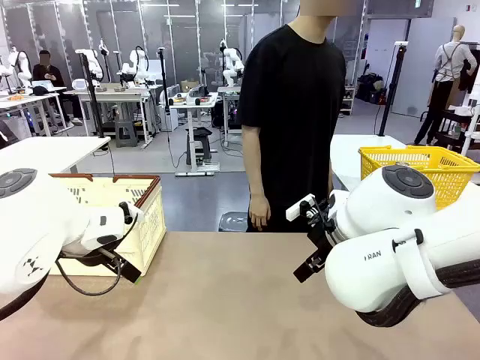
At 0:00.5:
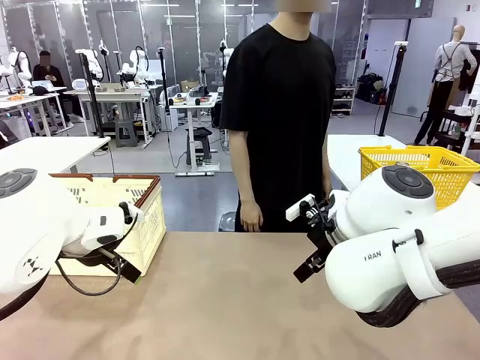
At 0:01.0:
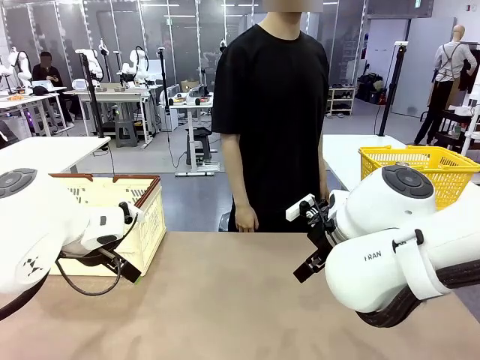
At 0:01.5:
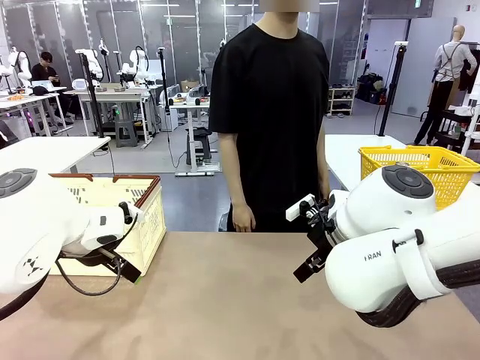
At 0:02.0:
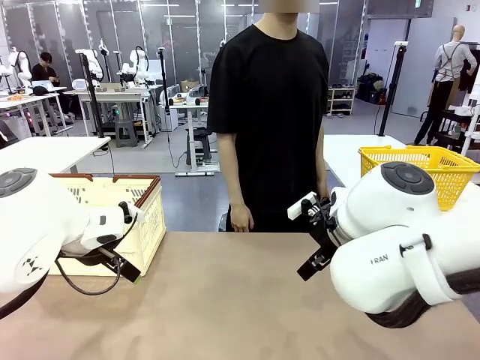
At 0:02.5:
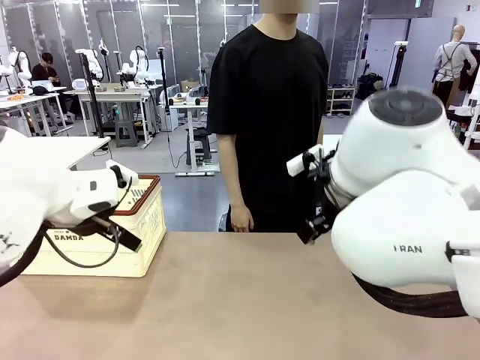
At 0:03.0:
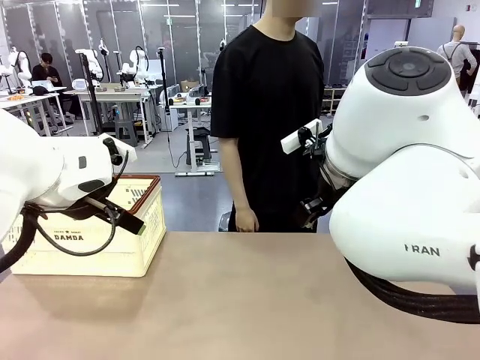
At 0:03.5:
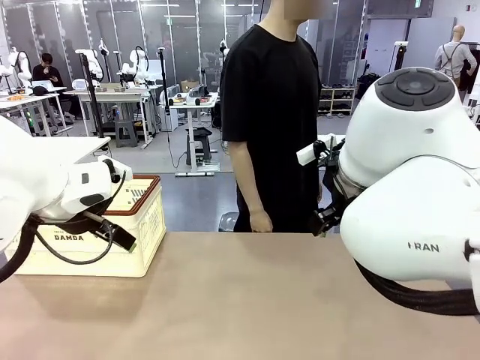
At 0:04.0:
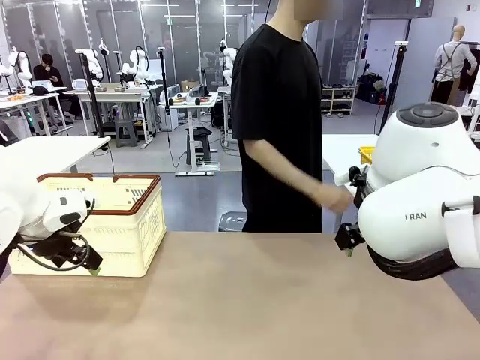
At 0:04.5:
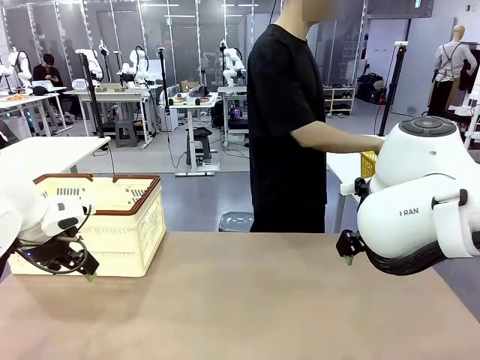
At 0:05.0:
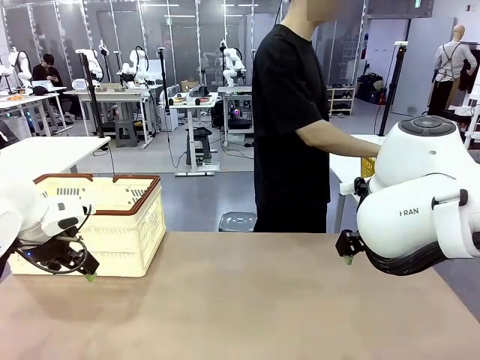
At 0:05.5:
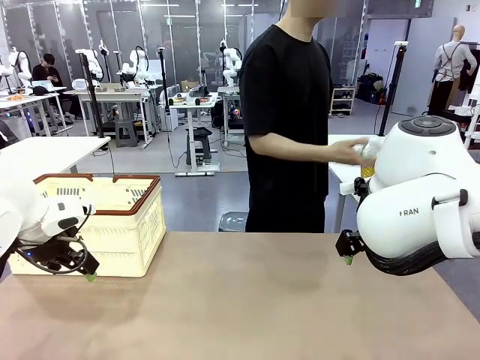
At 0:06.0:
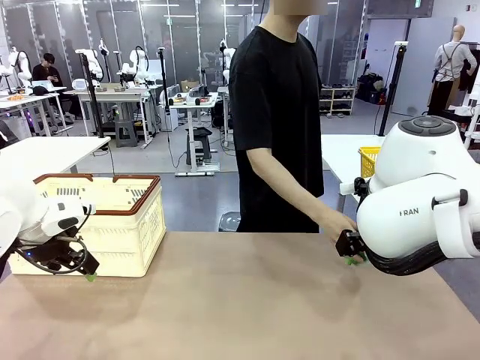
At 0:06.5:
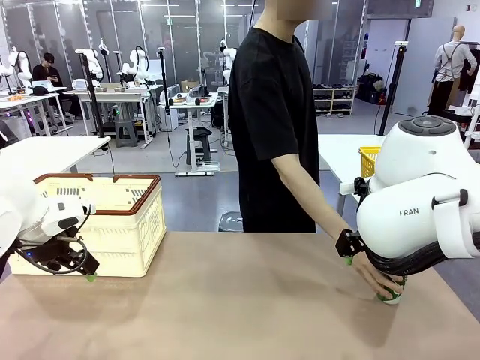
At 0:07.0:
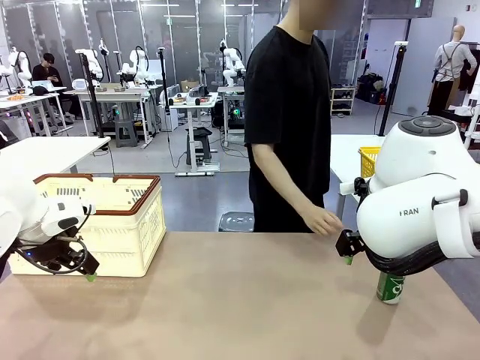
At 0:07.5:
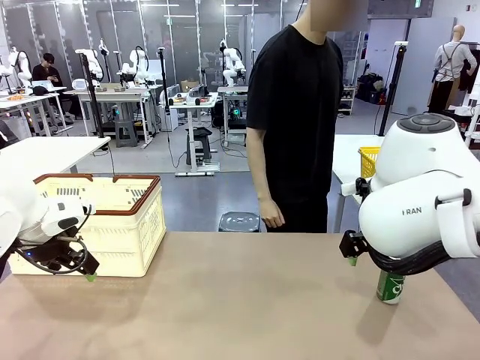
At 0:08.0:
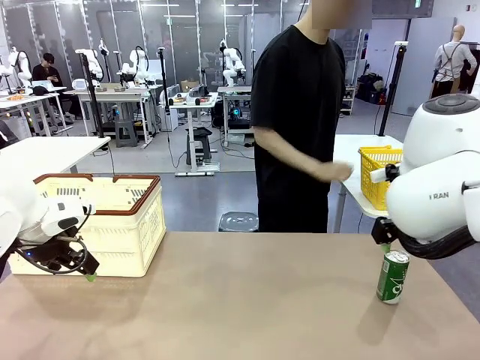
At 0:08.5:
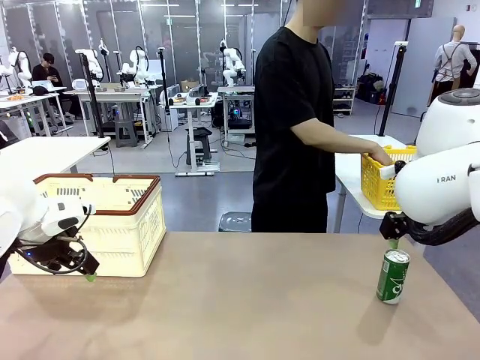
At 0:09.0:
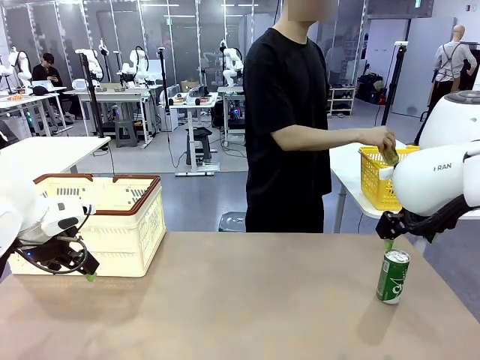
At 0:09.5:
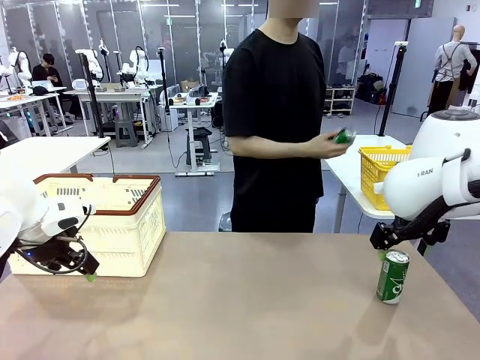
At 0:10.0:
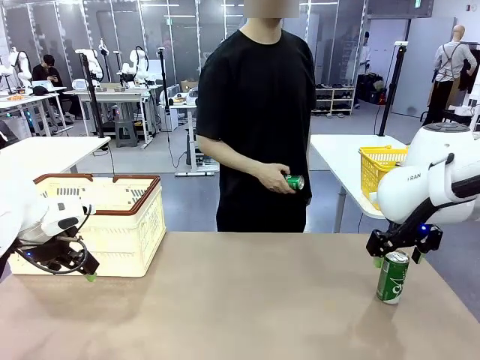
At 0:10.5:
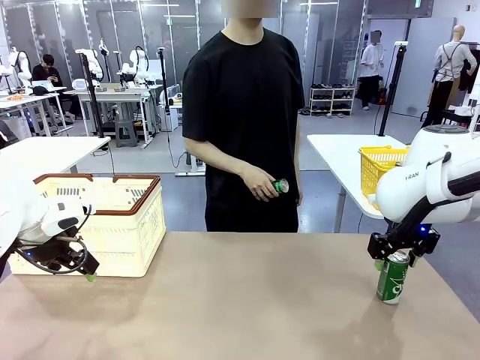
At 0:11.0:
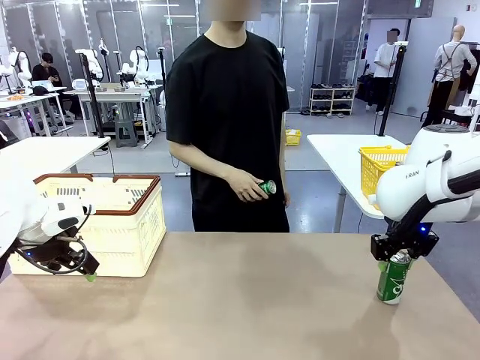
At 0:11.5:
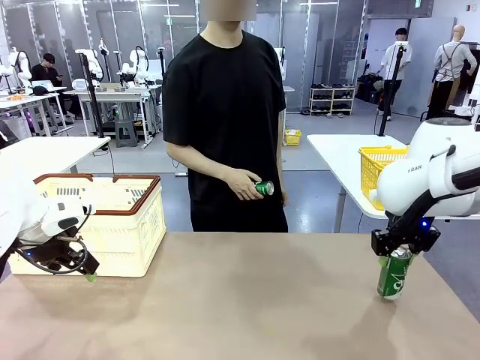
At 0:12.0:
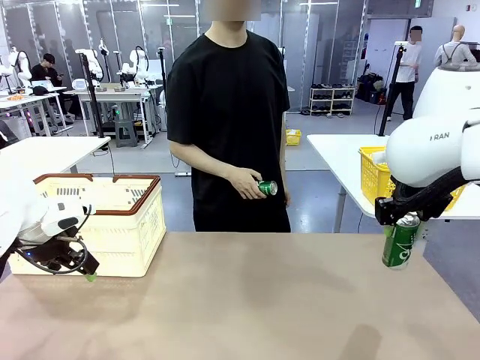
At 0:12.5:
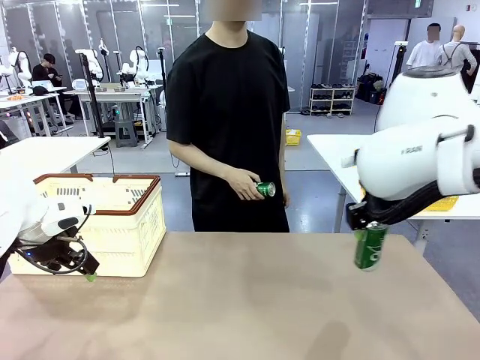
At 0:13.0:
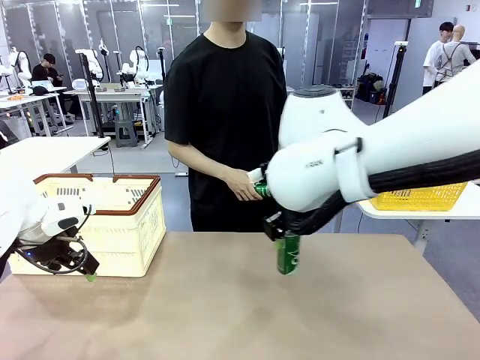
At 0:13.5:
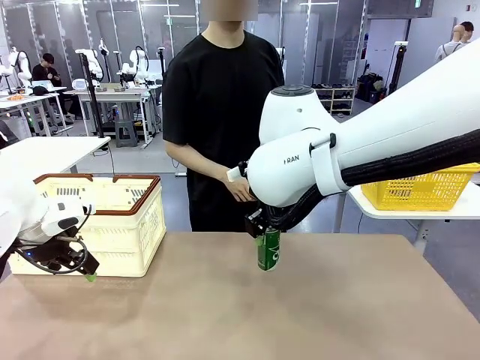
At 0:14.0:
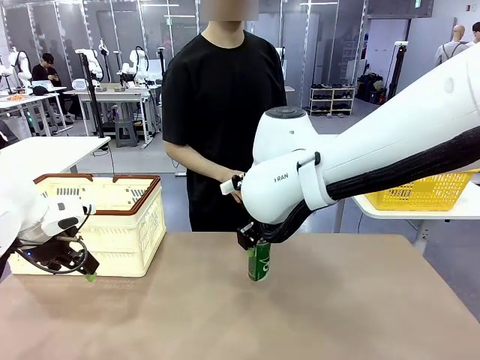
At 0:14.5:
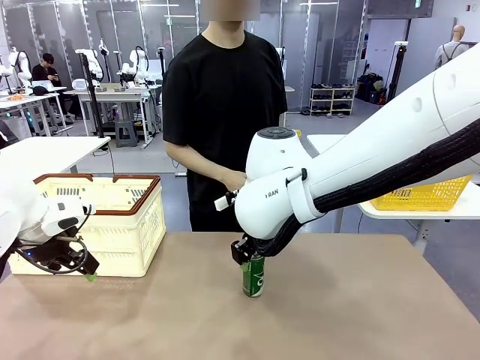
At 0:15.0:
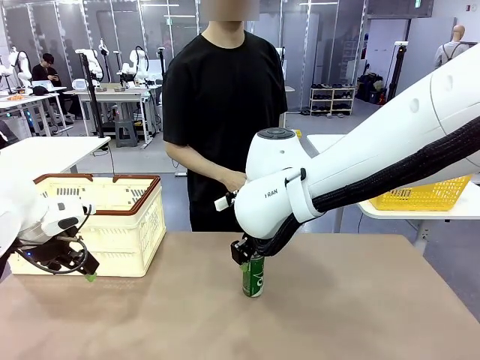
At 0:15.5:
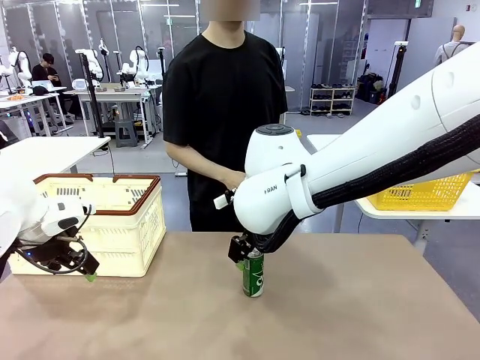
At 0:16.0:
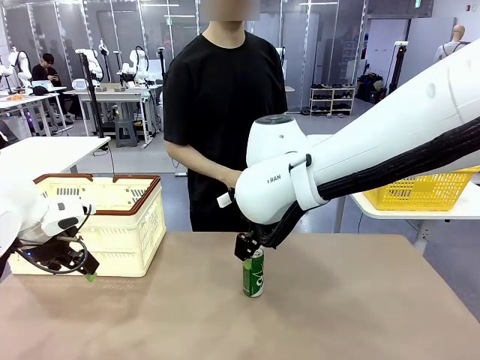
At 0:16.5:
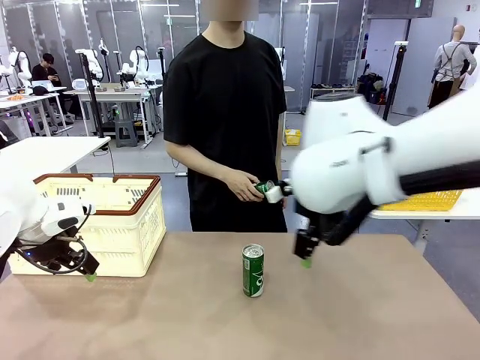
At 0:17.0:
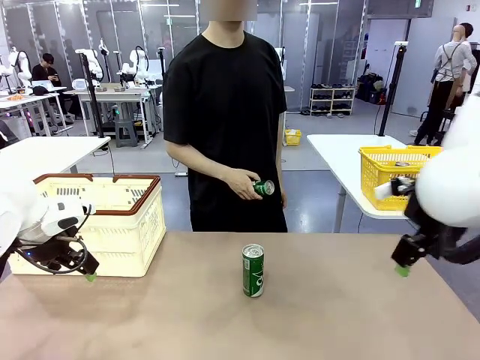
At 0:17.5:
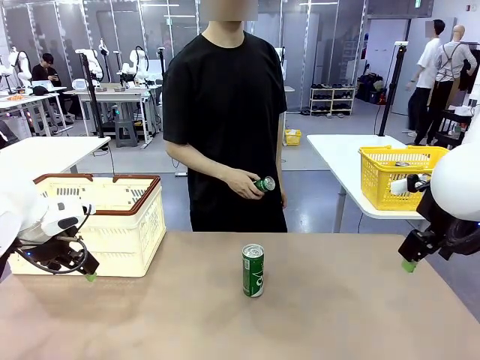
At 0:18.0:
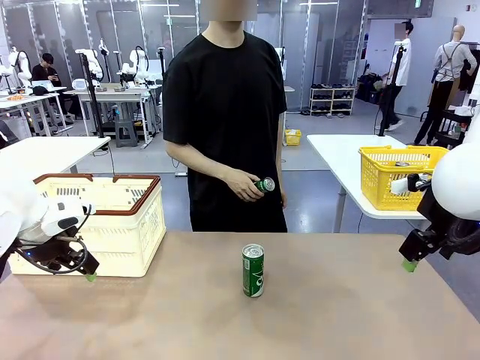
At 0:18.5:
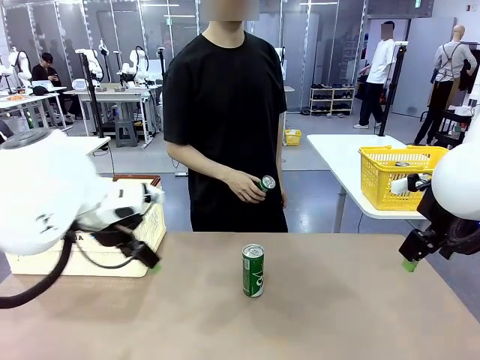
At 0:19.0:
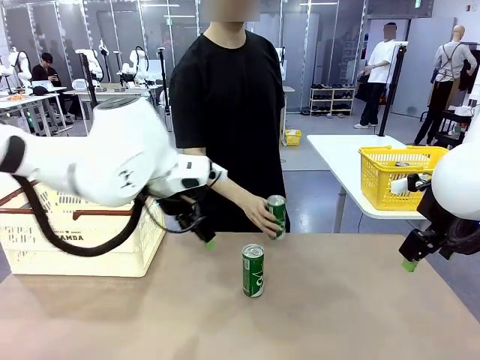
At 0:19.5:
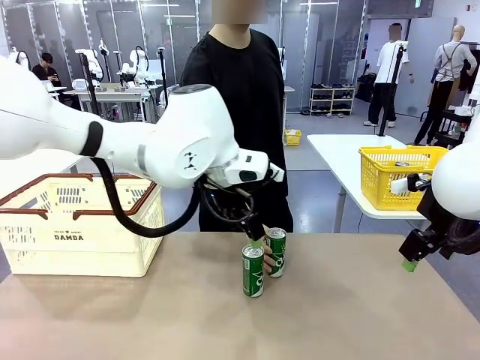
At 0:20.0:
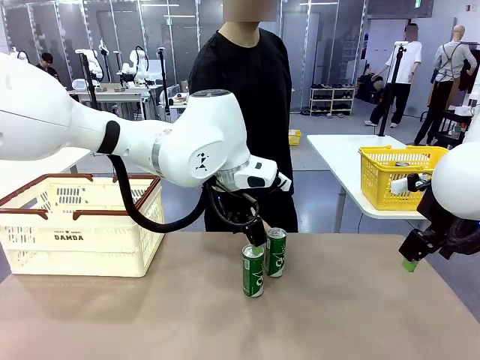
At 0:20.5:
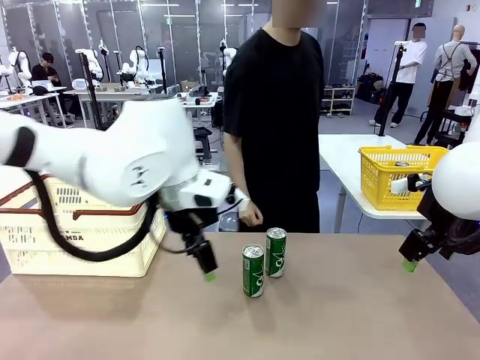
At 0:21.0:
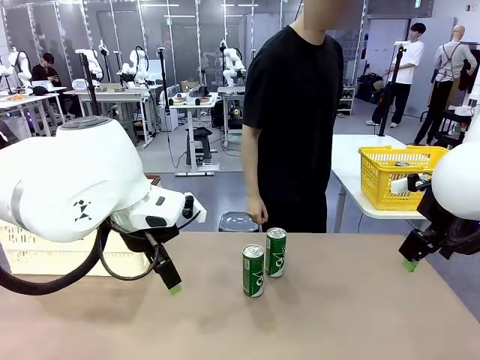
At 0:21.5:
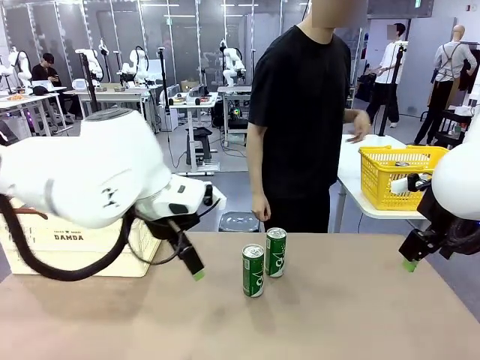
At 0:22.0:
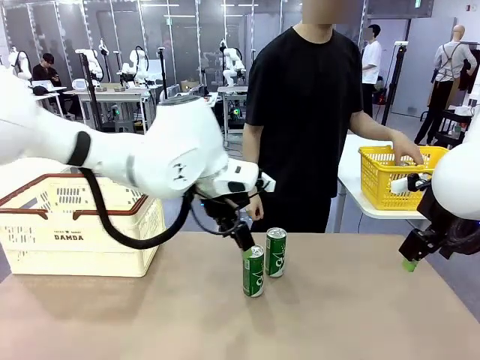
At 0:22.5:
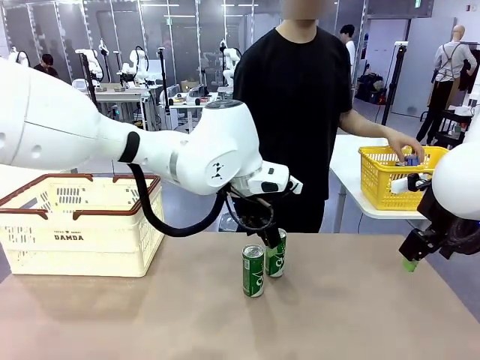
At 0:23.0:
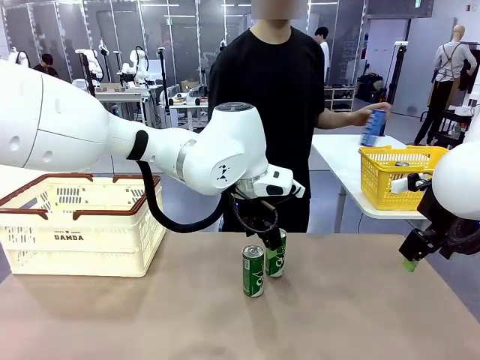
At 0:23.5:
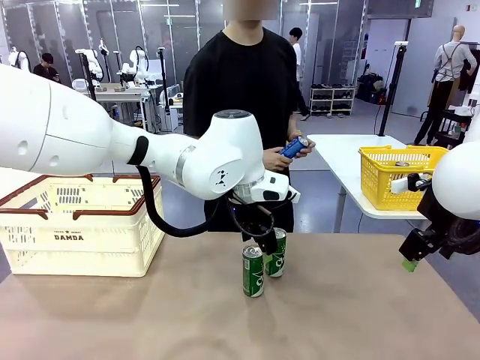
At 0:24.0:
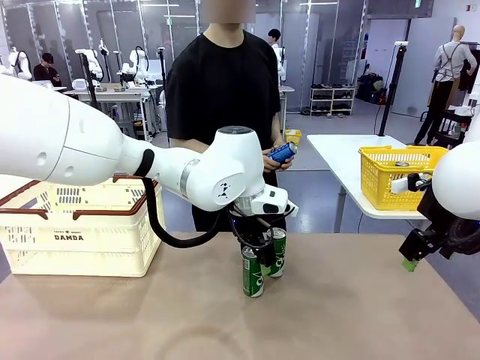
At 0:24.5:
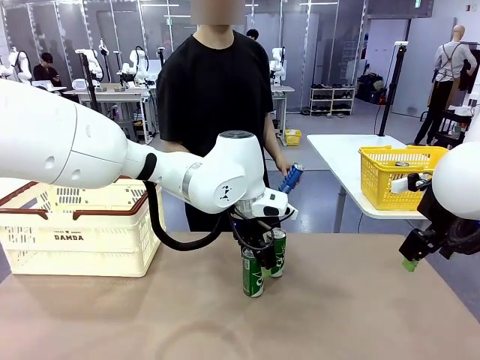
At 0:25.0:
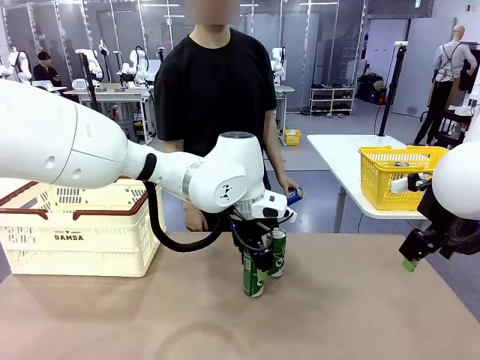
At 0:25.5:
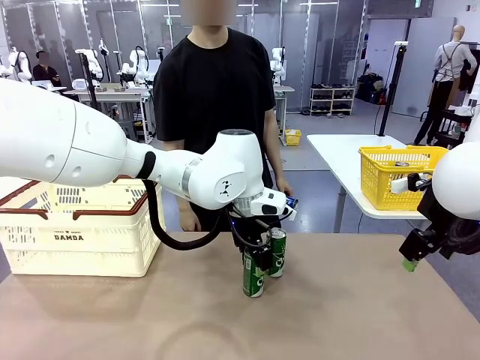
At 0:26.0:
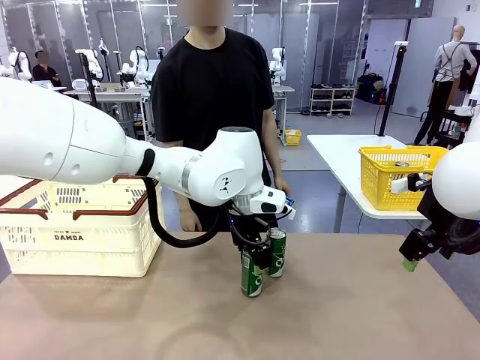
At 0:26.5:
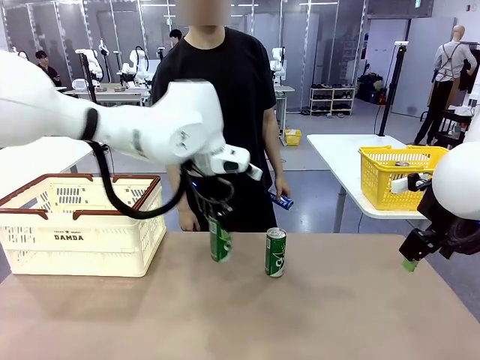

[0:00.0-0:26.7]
Task: Place the drinks into the Shopping basket.
Robot: Pick up one drink and place it into the Shopping basket.
